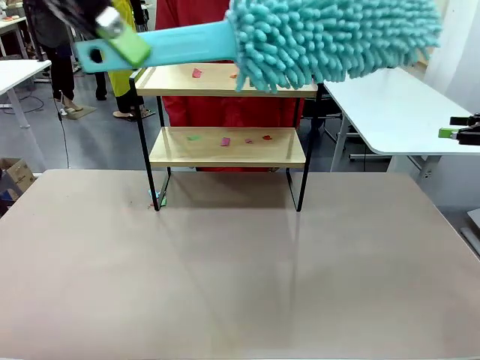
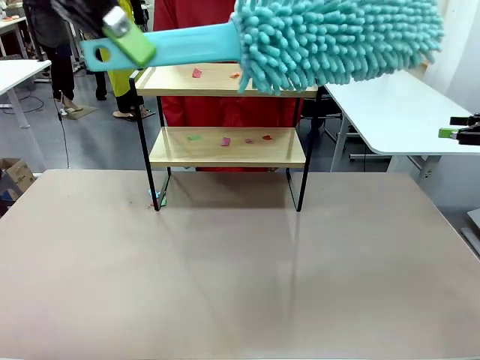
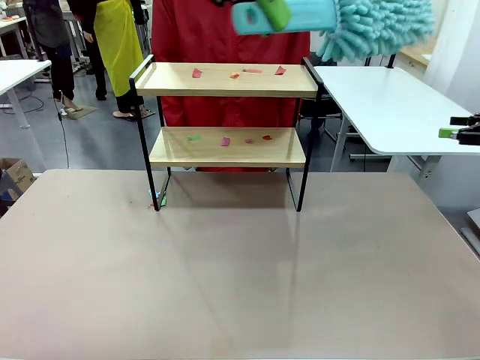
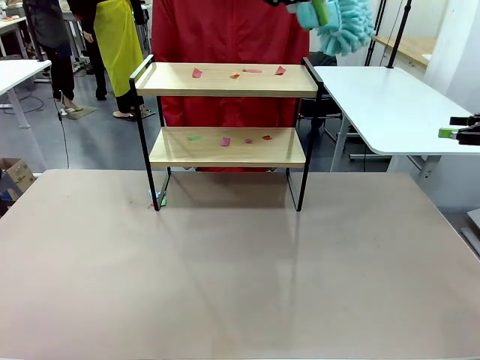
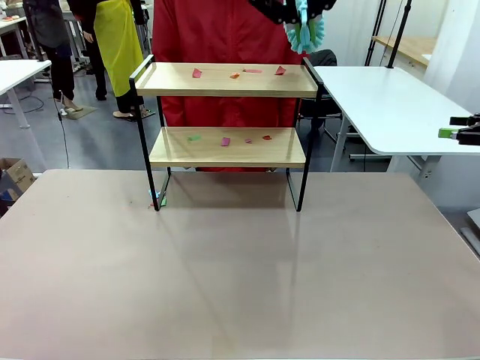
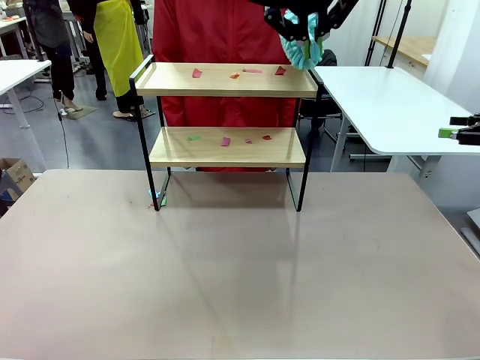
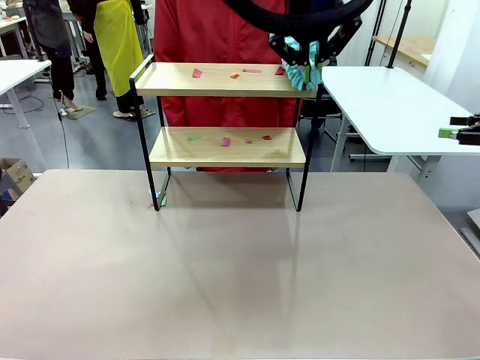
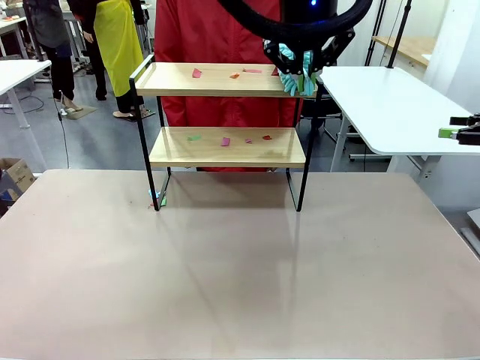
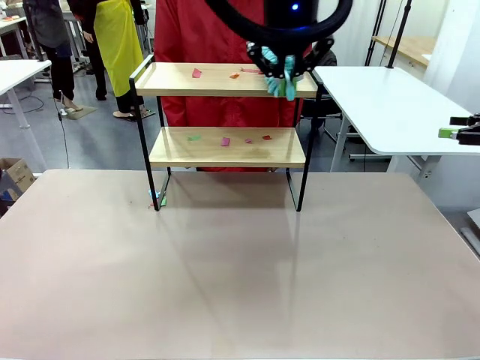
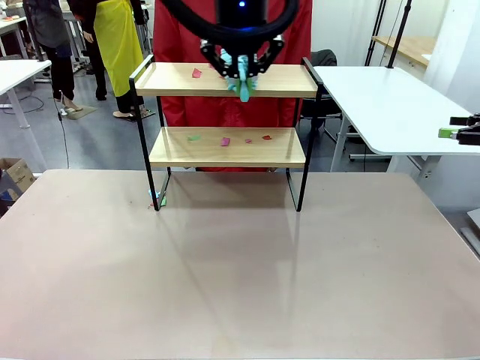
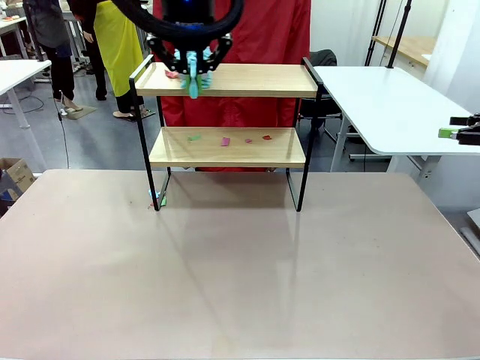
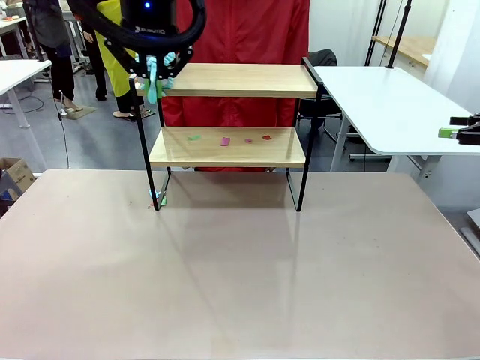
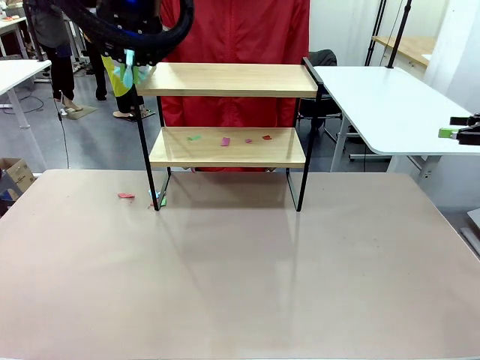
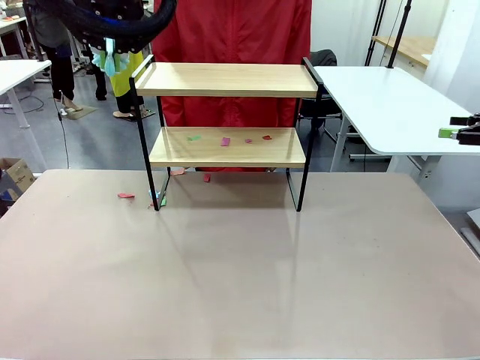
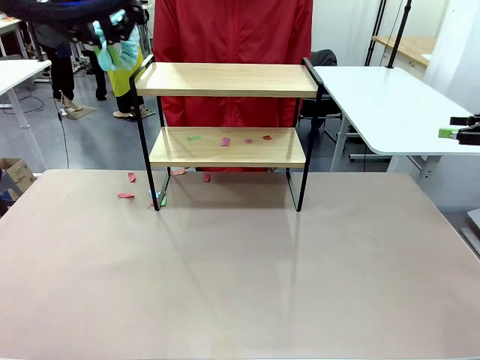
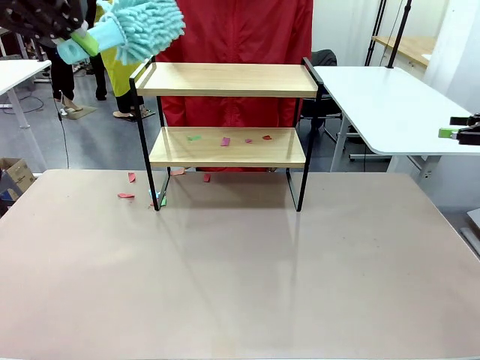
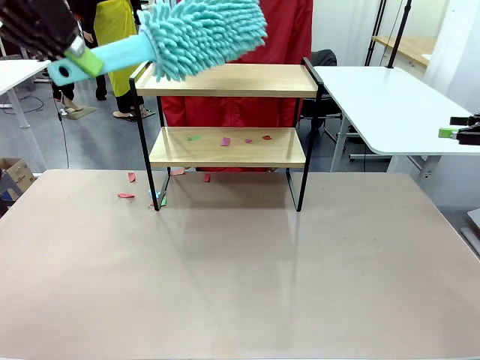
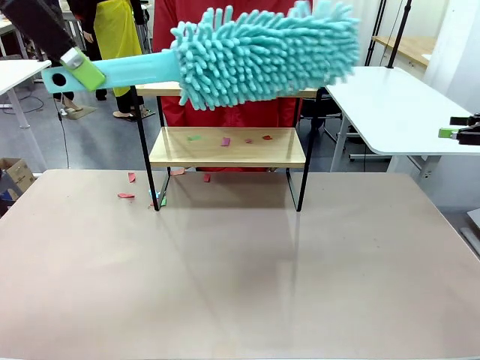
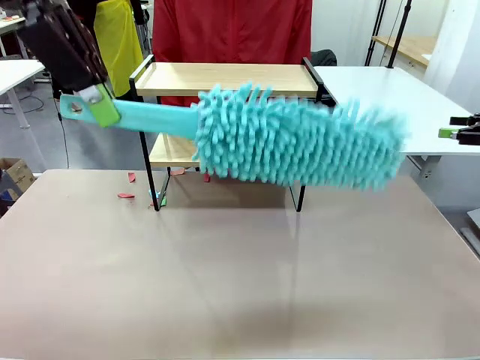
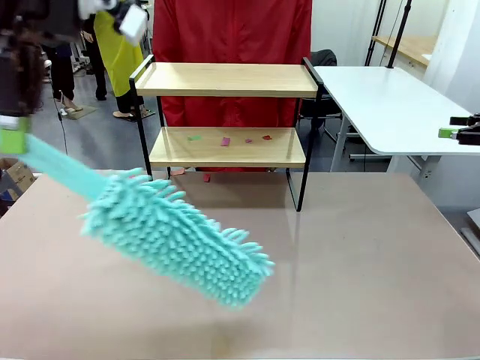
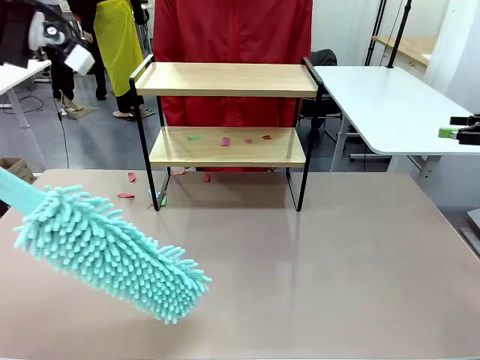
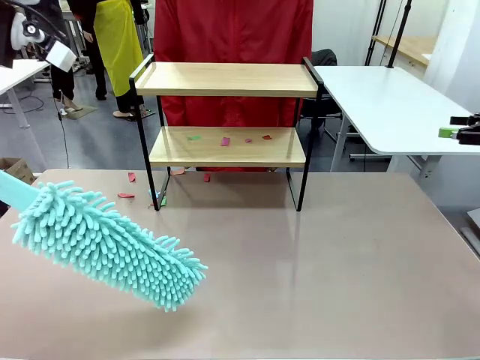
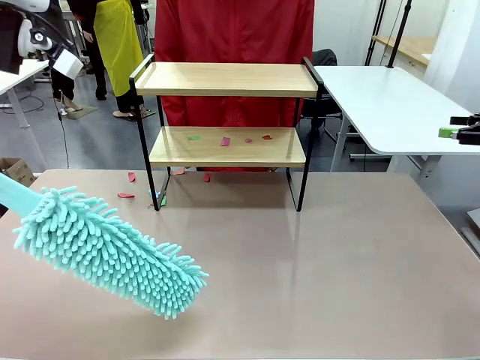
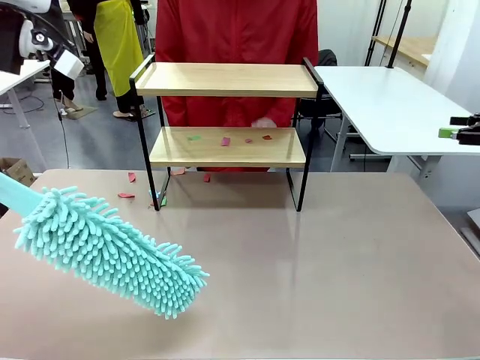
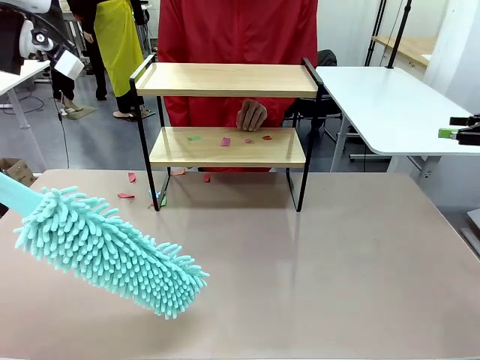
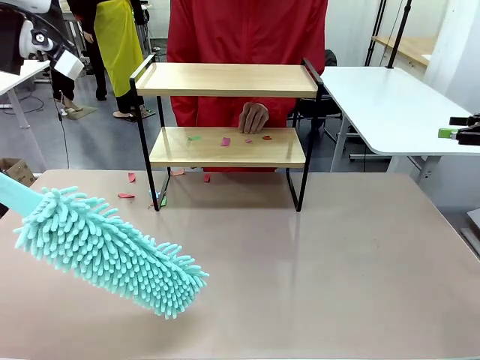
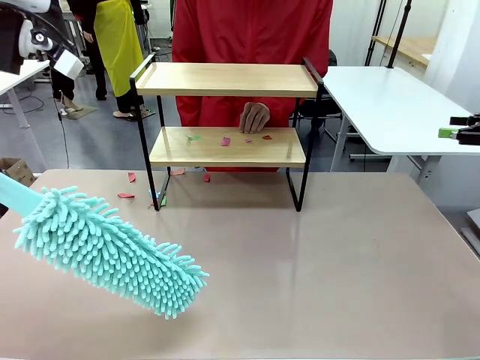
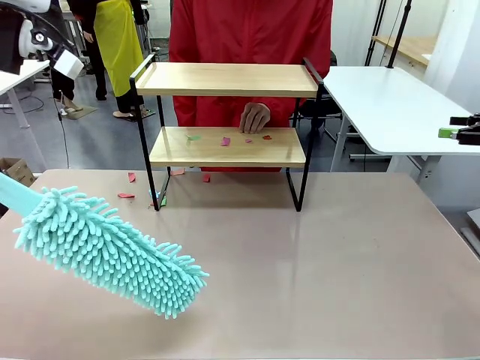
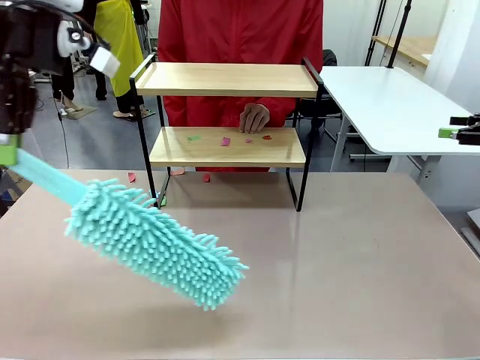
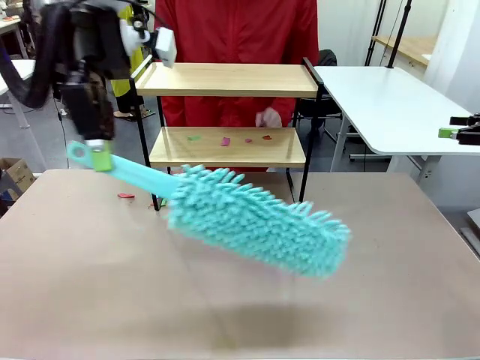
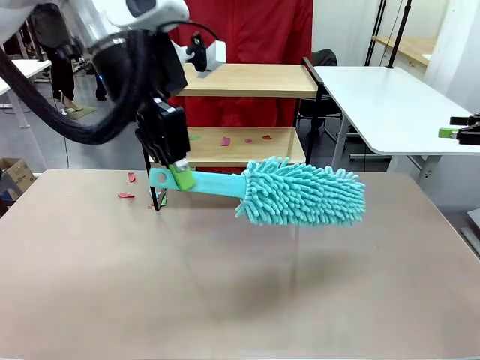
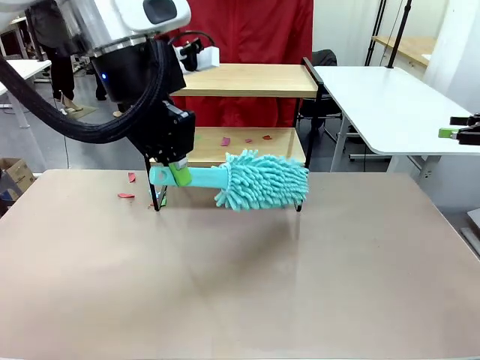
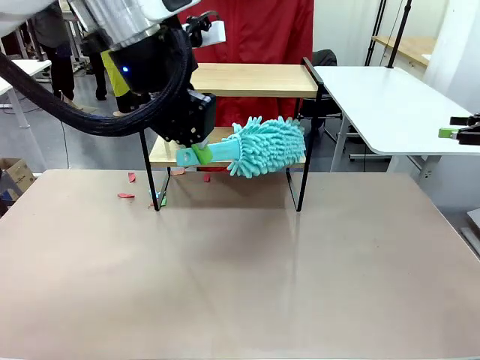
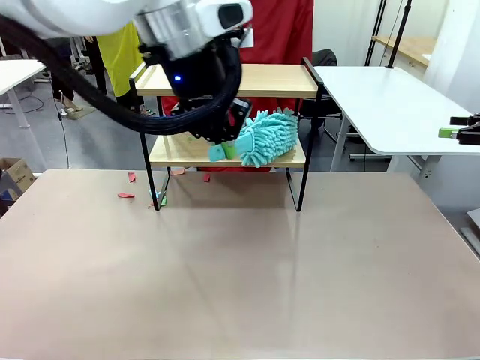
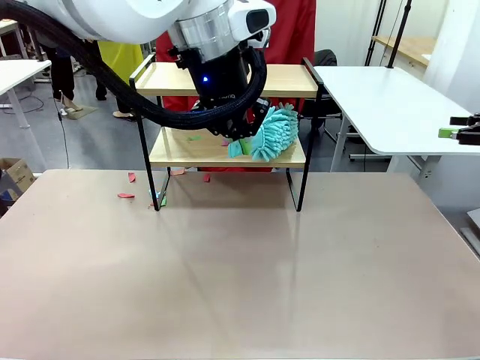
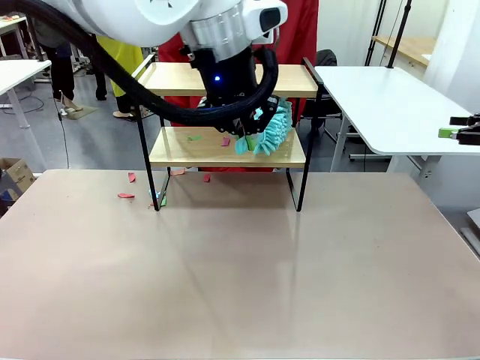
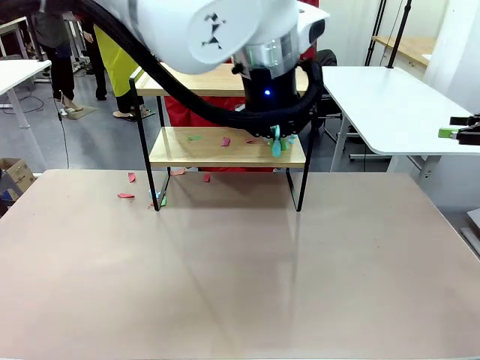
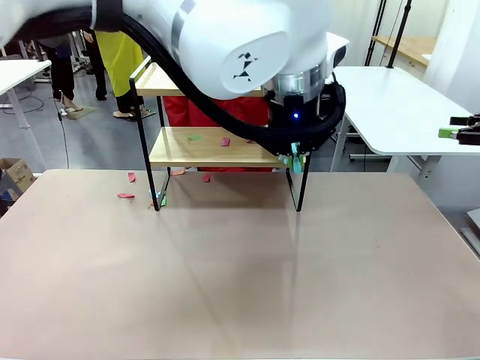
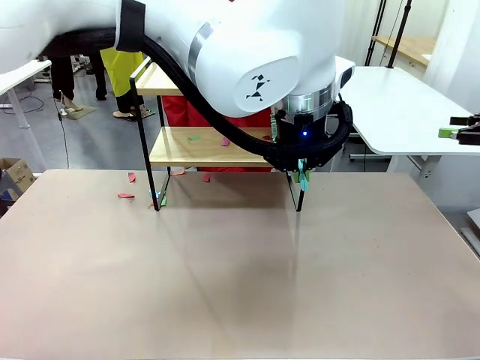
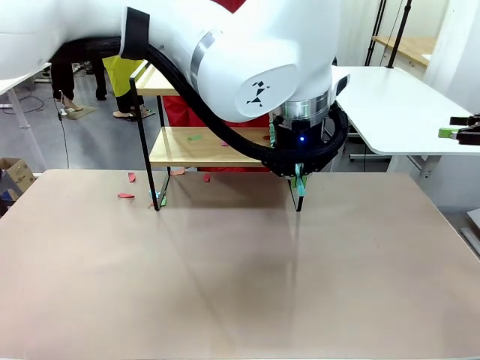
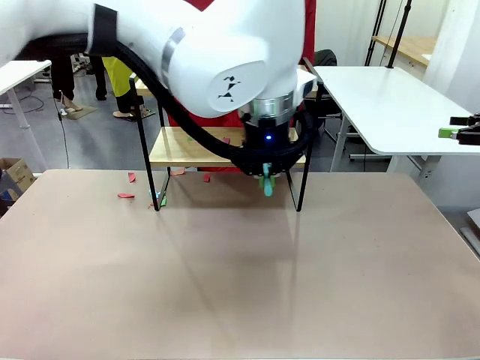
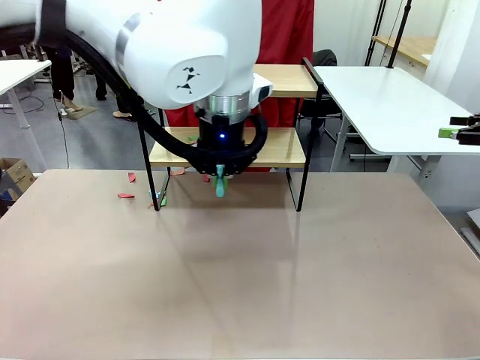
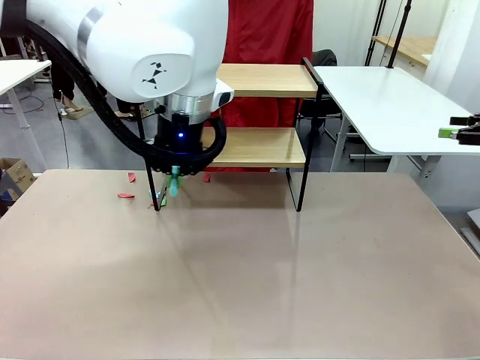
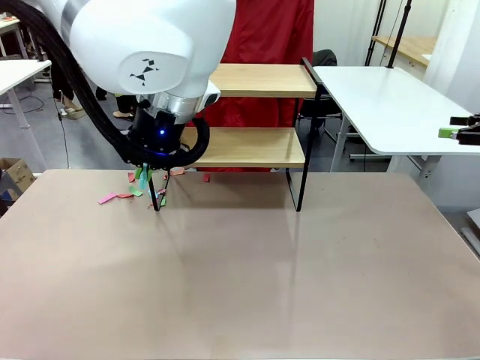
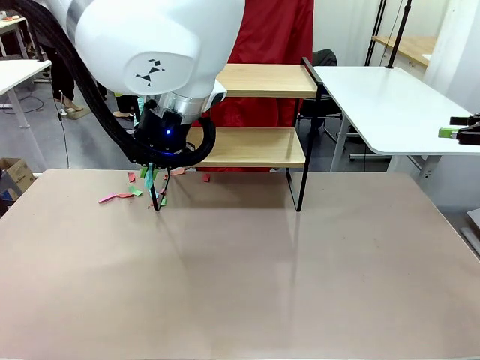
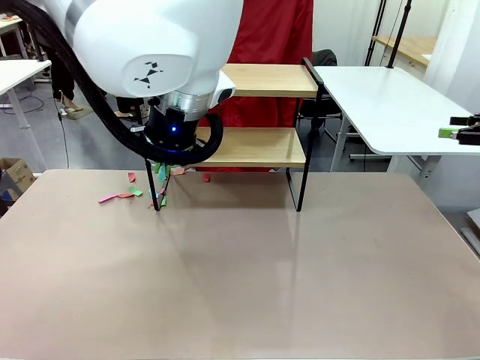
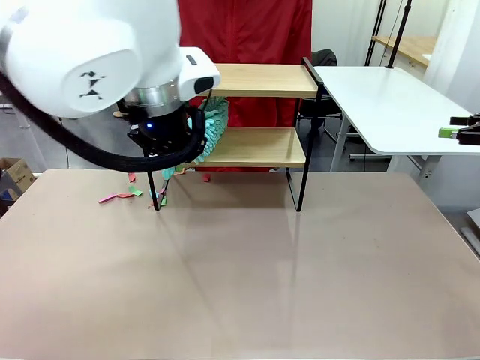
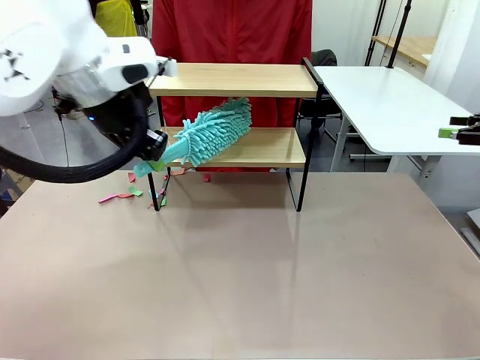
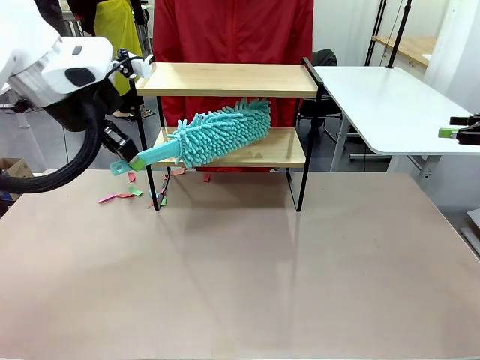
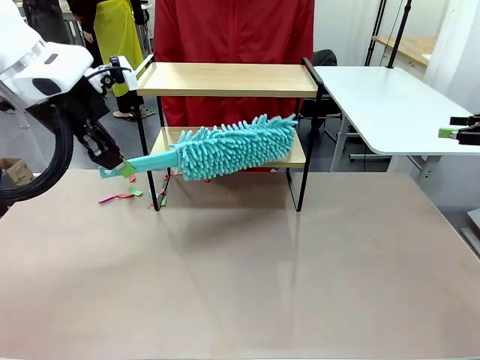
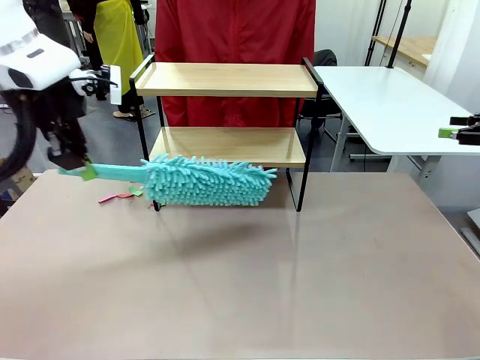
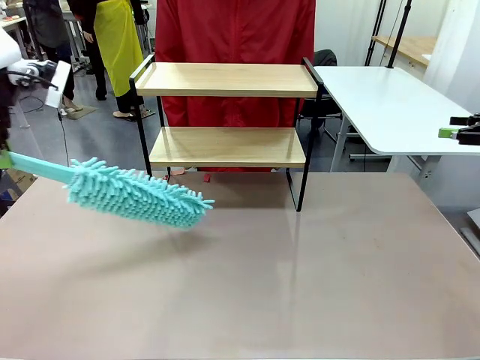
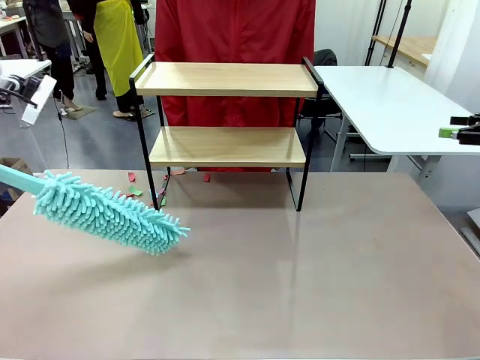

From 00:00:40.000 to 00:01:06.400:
Task: Clean the shelf.
Robot: Clean the specific section of the Shelf indicated by the human with the Duster.
Person: Point a remaining section of the Shelf.
